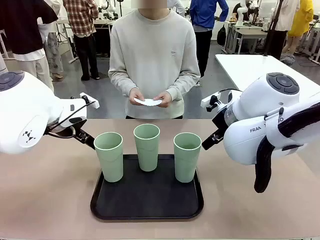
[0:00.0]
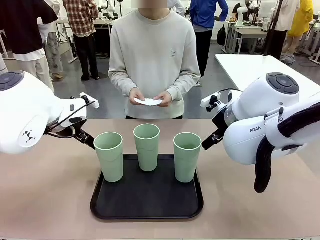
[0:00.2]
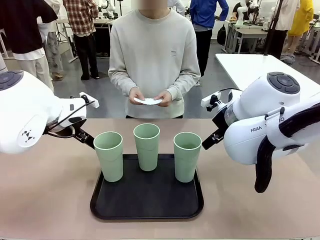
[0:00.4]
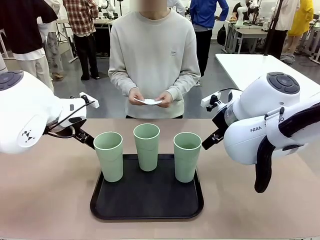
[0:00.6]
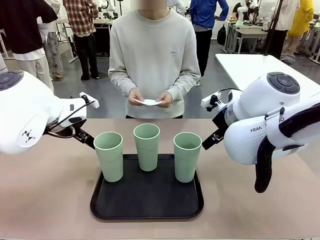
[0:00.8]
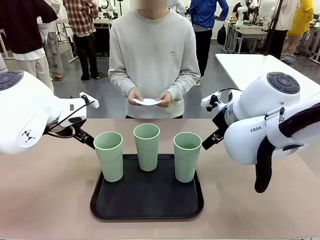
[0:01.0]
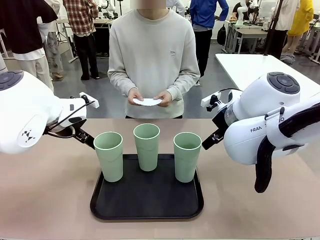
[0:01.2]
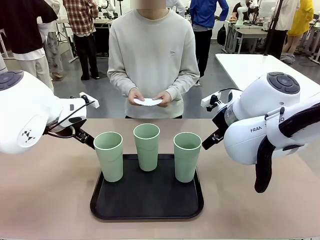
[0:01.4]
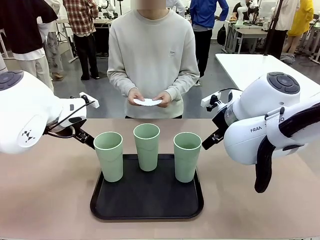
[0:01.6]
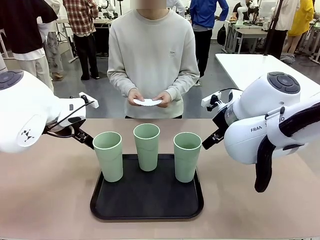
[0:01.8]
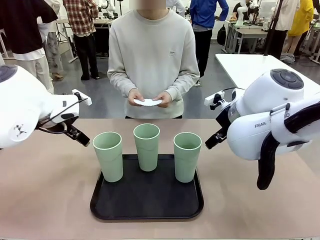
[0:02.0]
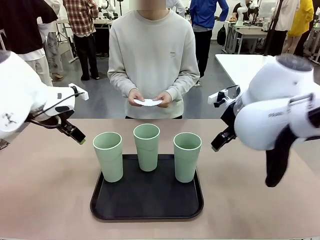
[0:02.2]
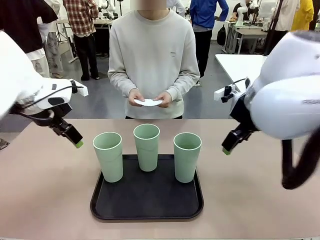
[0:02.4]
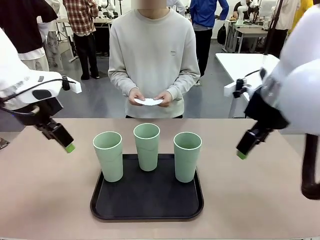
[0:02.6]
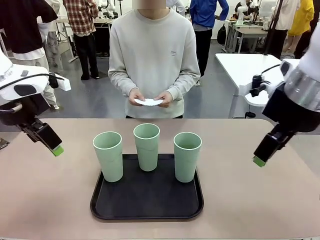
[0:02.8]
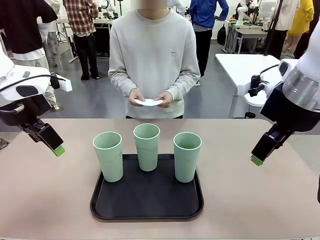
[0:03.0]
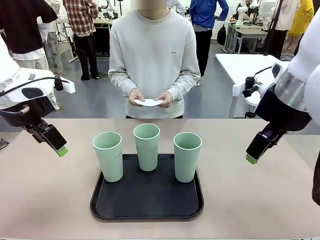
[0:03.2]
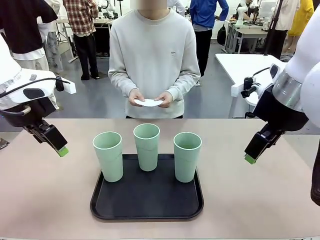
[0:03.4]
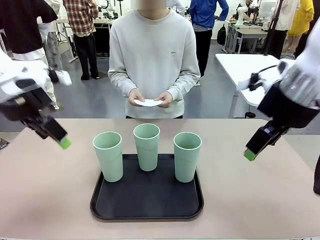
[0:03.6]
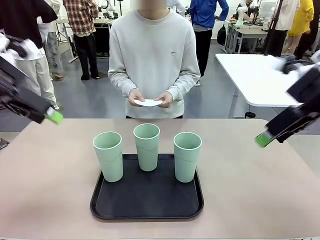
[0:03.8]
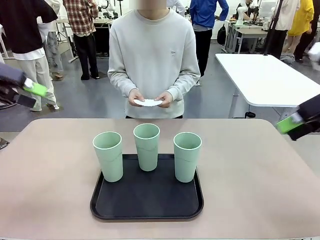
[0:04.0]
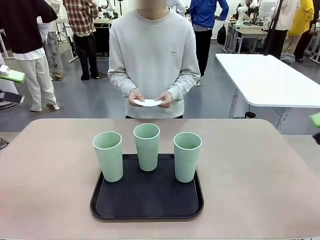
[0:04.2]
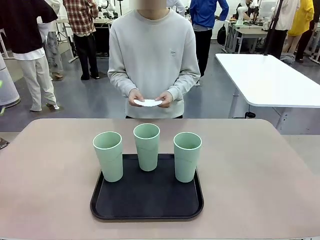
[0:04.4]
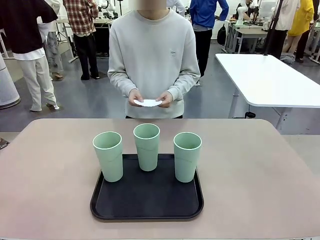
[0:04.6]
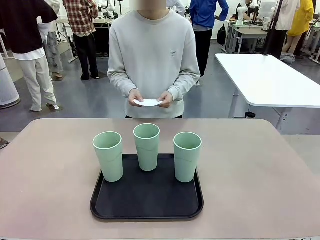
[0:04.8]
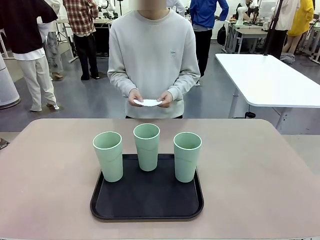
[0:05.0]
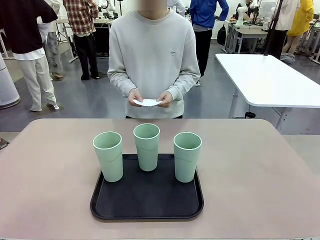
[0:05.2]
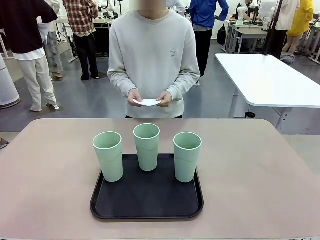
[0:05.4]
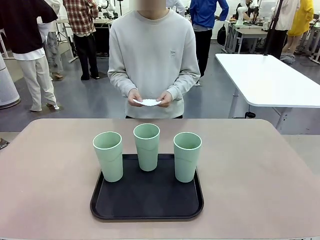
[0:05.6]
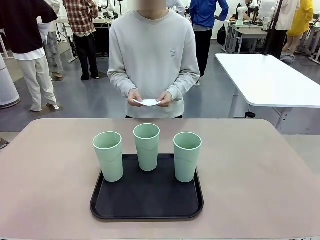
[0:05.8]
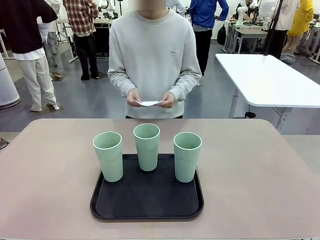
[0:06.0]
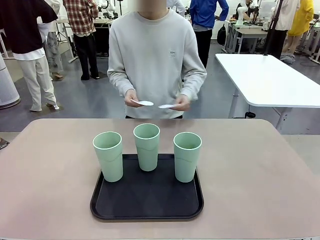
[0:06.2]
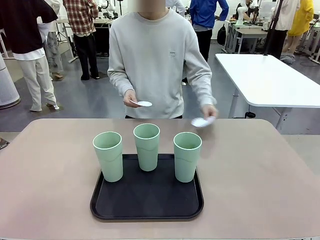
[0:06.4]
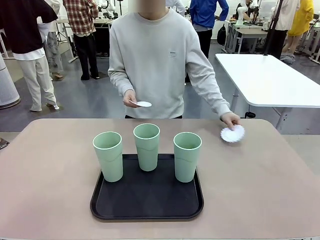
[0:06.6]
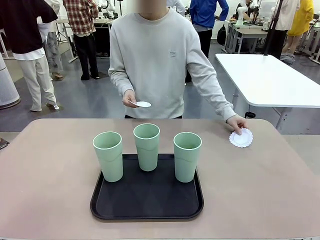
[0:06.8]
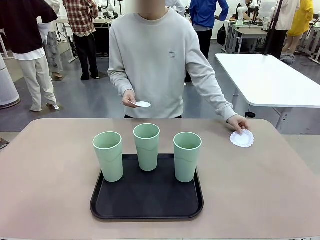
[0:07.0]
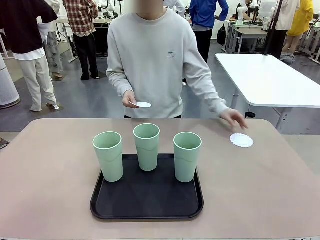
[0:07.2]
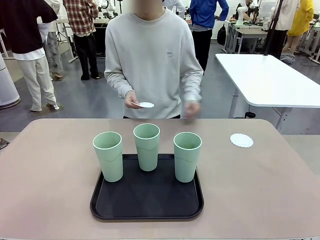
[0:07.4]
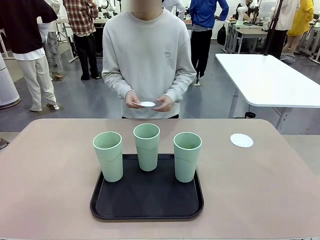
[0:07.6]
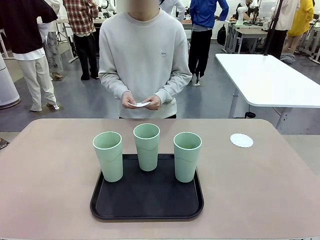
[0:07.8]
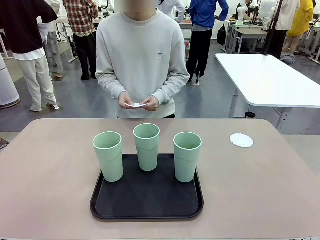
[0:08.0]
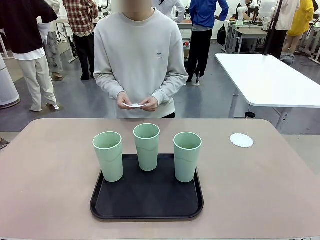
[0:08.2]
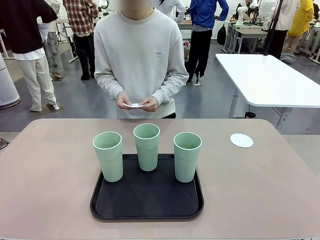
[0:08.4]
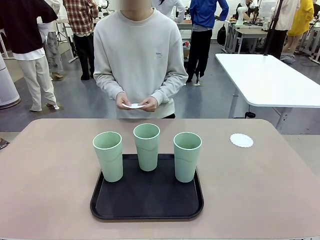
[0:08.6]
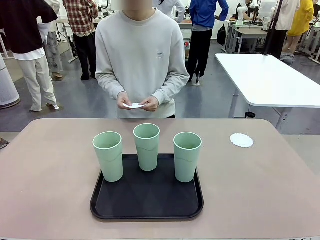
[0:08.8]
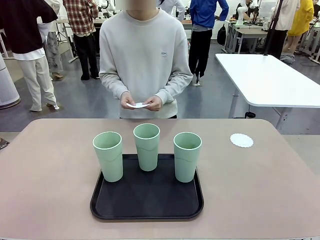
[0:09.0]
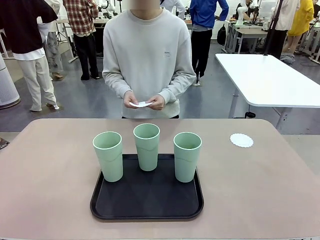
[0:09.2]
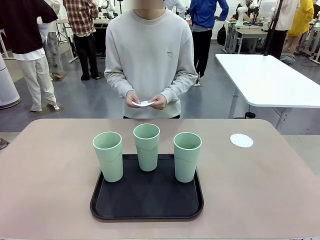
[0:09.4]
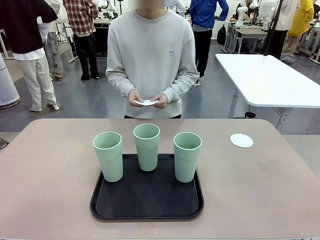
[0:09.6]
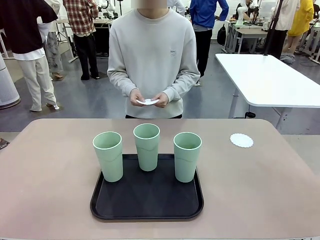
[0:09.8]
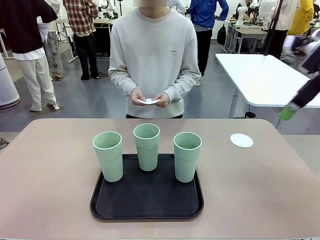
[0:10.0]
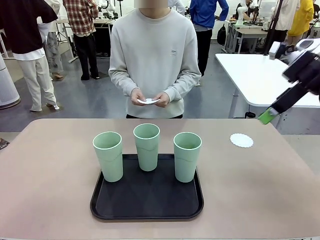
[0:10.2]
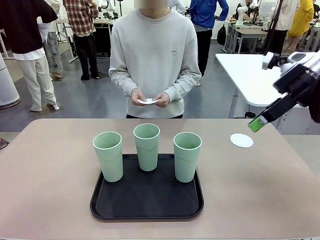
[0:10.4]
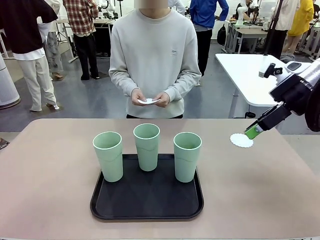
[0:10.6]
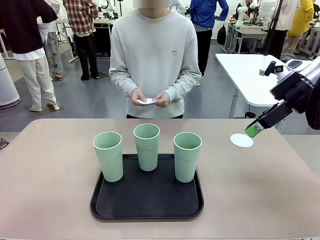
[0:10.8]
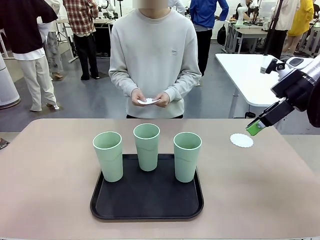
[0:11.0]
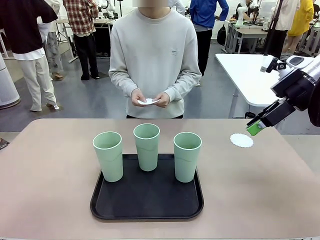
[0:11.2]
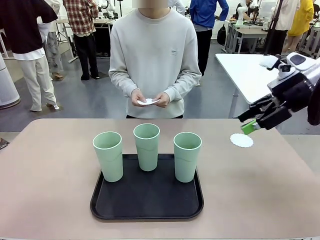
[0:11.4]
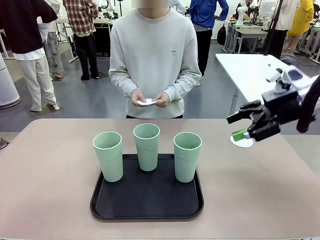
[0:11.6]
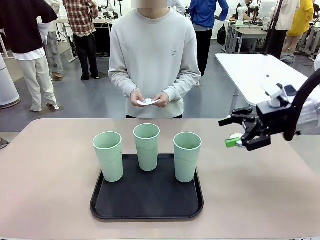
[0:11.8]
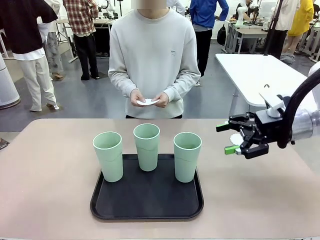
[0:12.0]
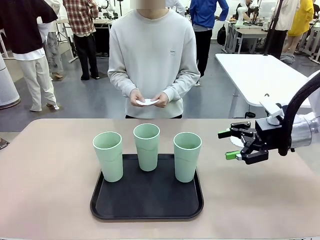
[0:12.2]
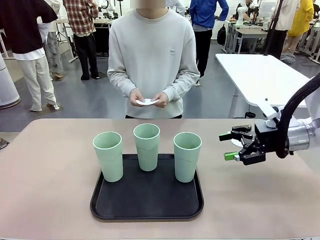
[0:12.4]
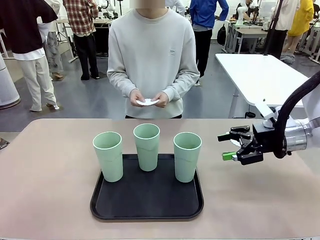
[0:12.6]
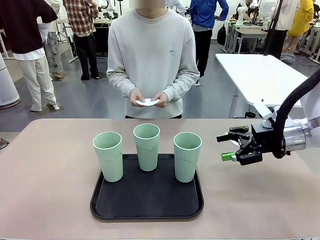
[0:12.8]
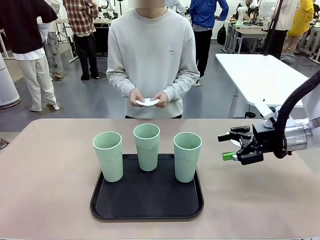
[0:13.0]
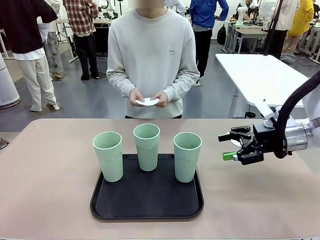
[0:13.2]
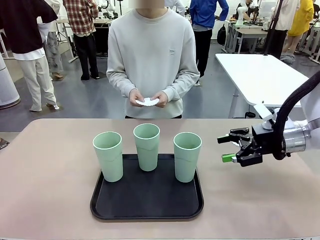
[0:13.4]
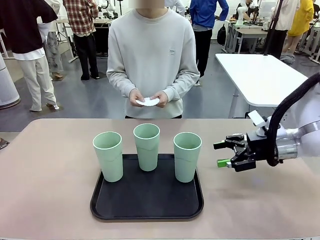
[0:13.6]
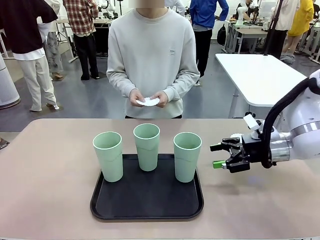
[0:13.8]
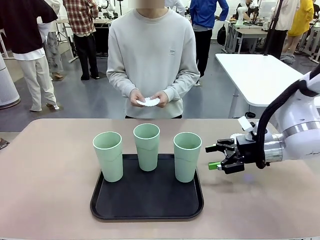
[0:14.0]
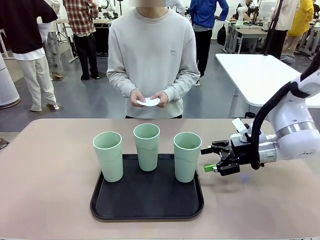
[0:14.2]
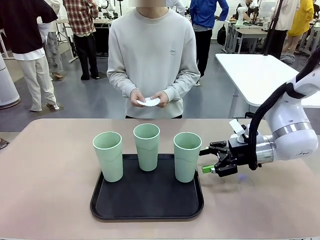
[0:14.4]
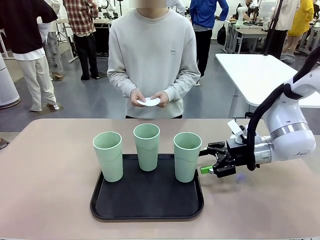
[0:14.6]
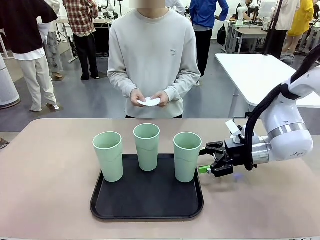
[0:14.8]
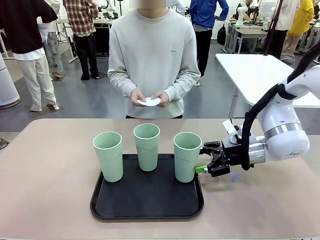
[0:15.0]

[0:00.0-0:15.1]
Task: Place coasters on the table and set cups on them.
Robot: Pick up one Reusable plastic cup and place it on a coaster set by the human.
Person: Place one coaster in any one of the three lower areas of the robot table (left, center, or right).
